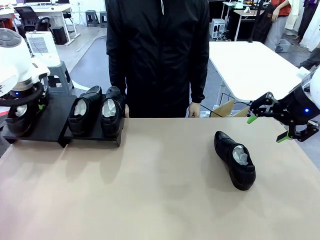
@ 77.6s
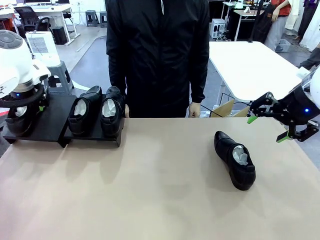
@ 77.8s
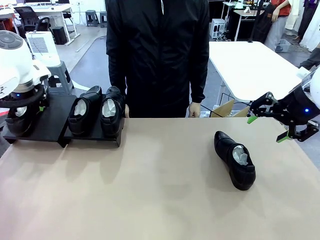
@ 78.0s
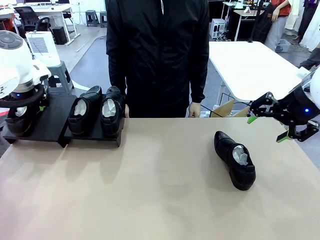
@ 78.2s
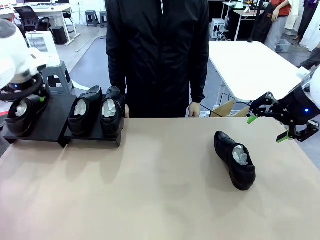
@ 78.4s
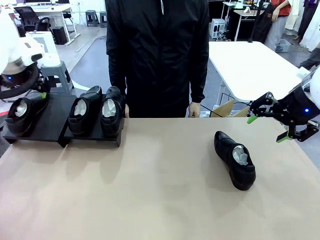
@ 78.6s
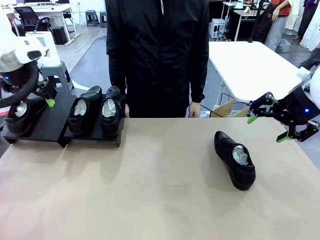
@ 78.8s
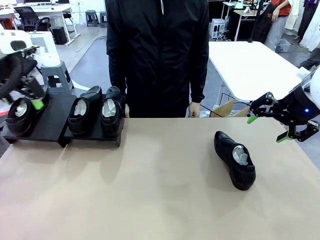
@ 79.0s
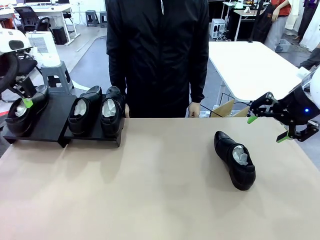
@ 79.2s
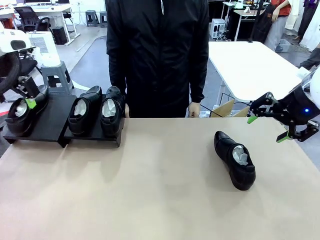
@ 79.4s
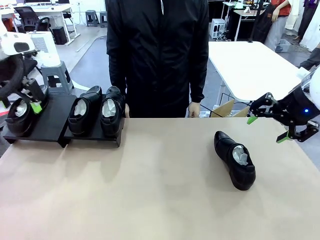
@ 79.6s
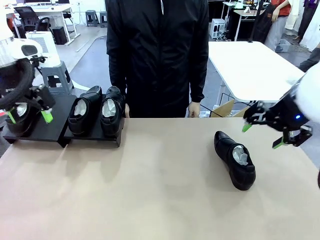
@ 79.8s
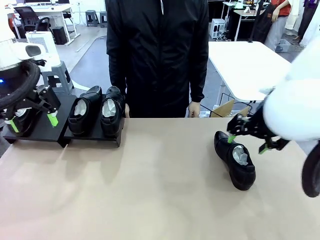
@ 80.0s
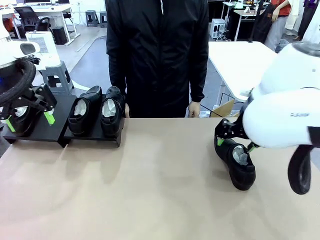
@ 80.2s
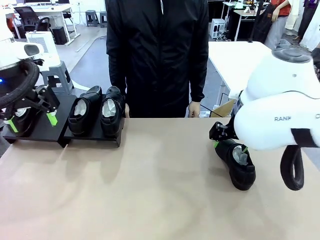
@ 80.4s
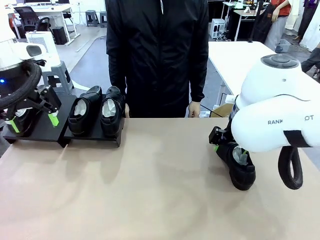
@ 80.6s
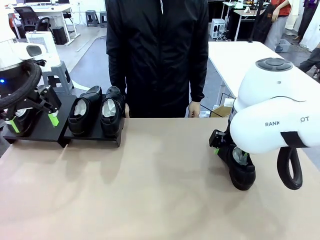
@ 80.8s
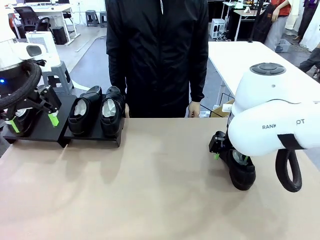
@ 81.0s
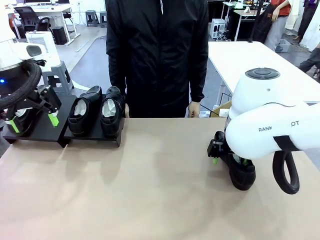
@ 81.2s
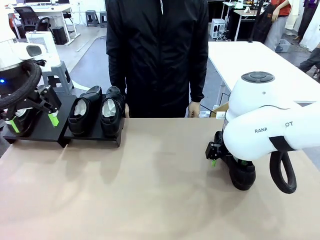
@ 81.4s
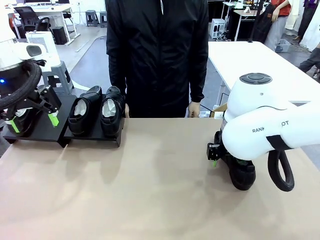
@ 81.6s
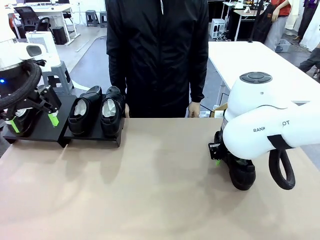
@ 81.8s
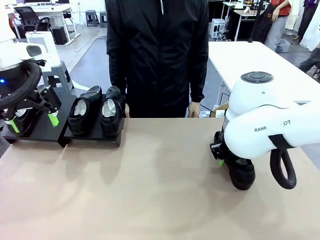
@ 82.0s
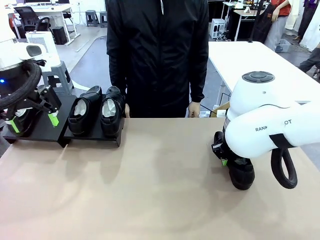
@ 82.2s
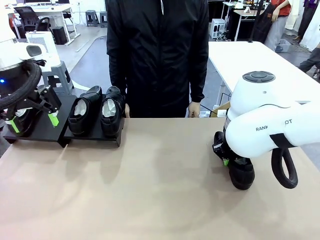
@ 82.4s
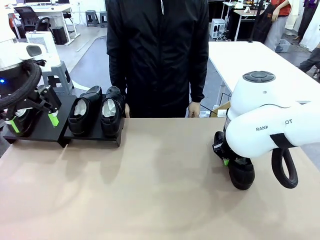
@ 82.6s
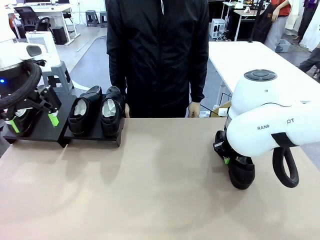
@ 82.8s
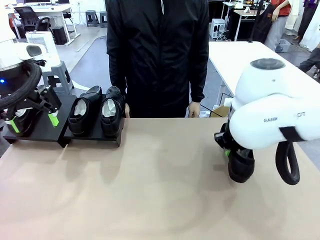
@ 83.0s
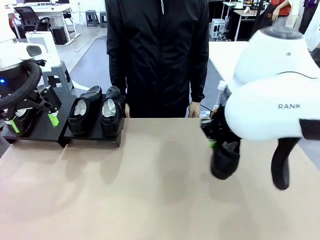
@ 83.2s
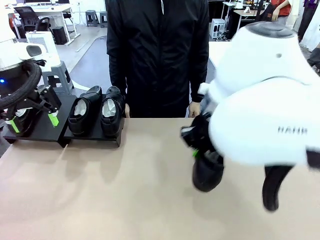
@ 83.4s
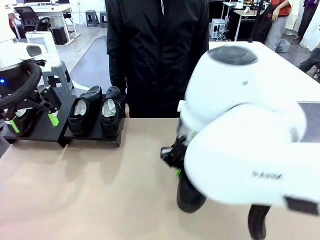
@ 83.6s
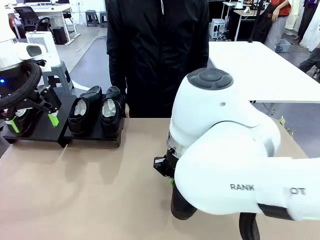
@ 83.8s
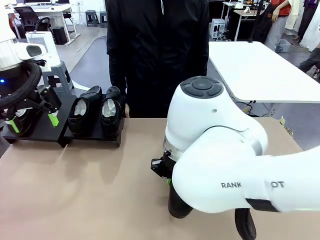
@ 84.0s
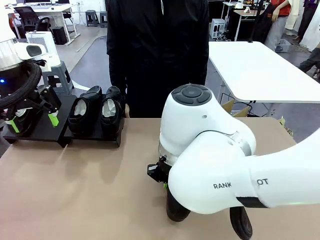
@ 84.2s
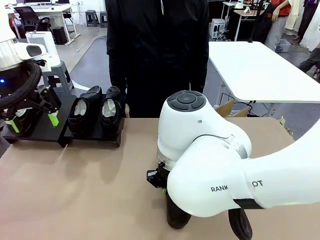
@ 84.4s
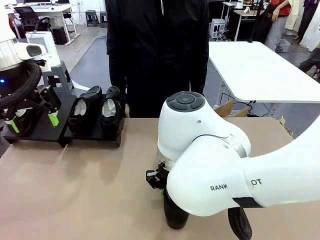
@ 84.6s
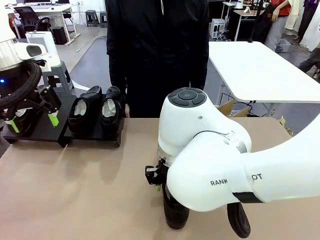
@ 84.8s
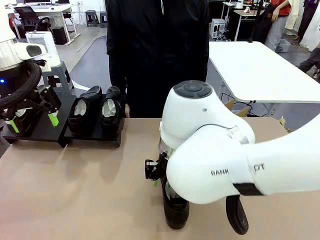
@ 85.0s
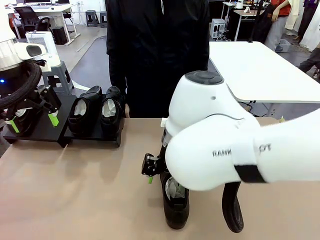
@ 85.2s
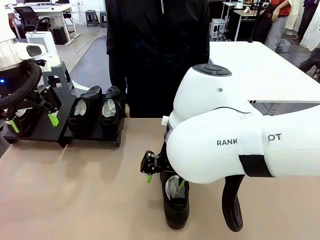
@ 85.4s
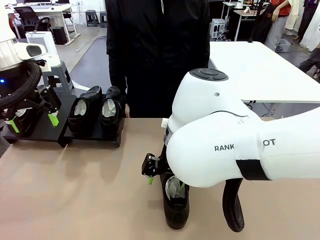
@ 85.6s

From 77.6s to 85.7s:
Task: Organize the shoes by placing them on the stand.
Robot: Pick up one Shoe and place it in the middle of the table.

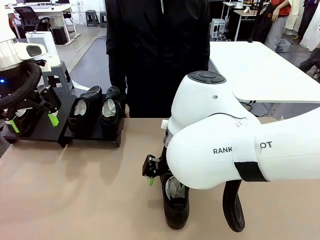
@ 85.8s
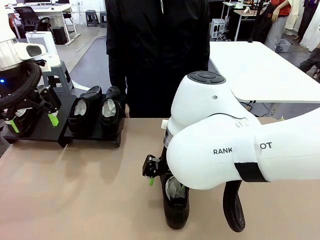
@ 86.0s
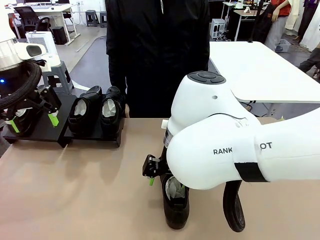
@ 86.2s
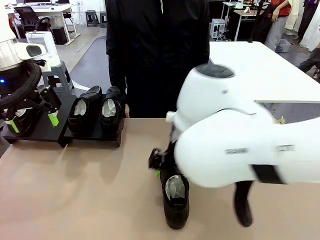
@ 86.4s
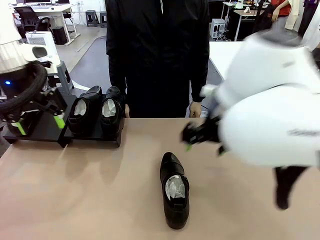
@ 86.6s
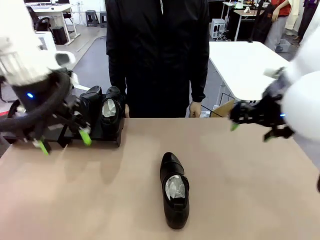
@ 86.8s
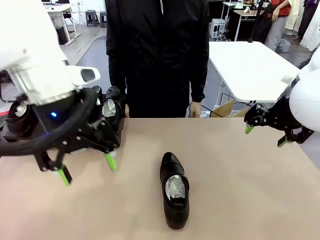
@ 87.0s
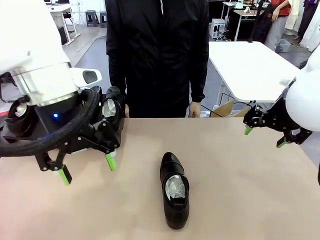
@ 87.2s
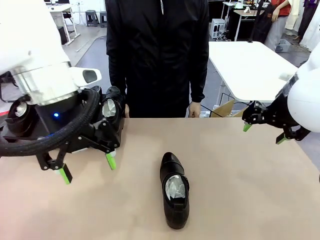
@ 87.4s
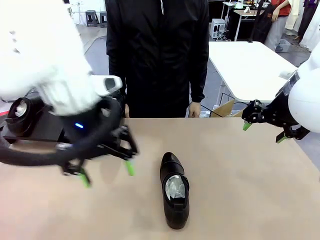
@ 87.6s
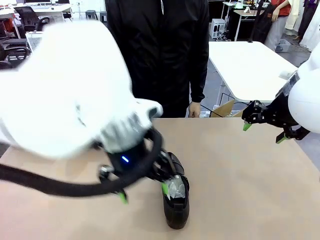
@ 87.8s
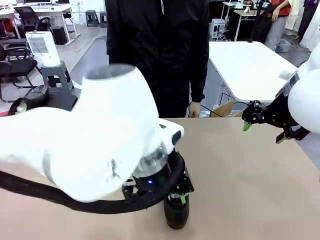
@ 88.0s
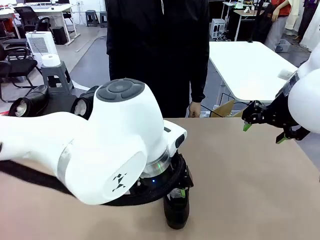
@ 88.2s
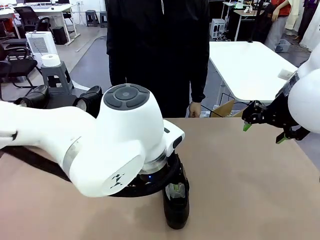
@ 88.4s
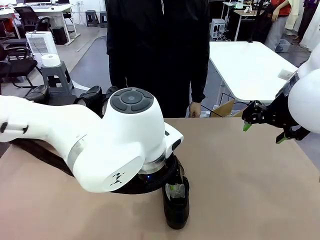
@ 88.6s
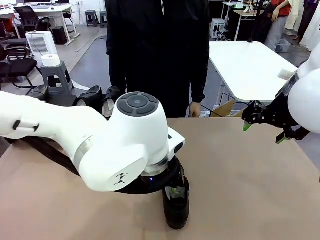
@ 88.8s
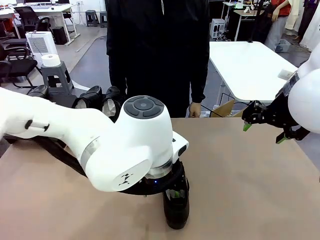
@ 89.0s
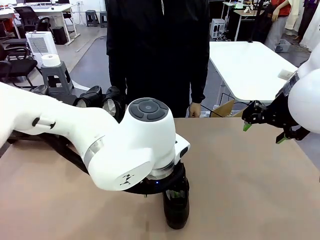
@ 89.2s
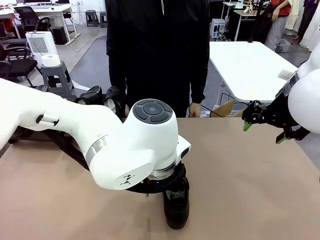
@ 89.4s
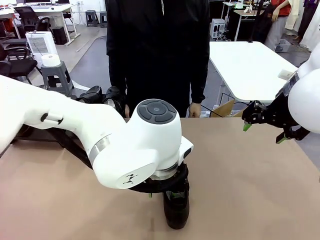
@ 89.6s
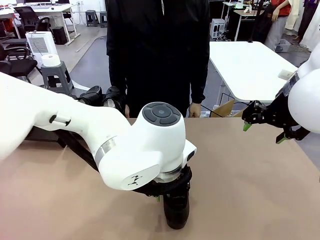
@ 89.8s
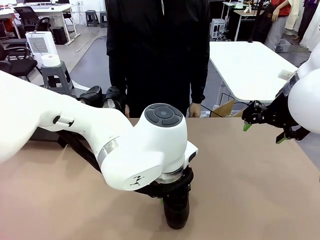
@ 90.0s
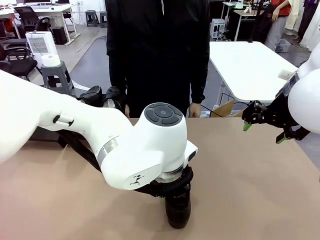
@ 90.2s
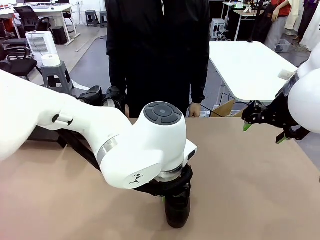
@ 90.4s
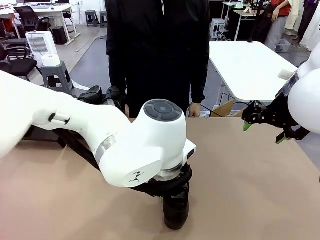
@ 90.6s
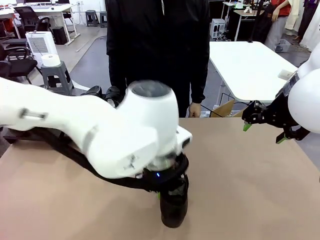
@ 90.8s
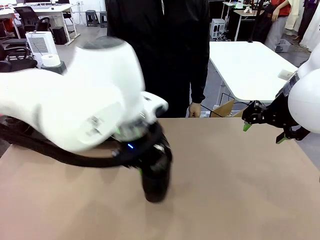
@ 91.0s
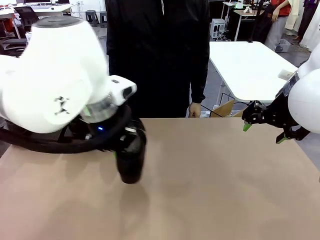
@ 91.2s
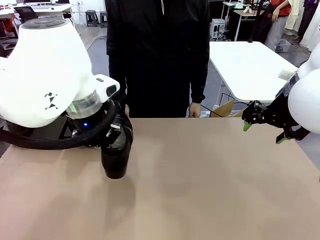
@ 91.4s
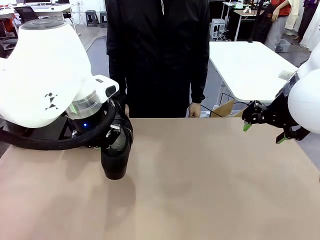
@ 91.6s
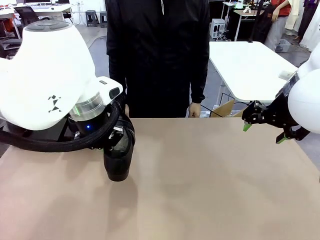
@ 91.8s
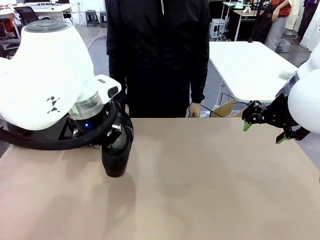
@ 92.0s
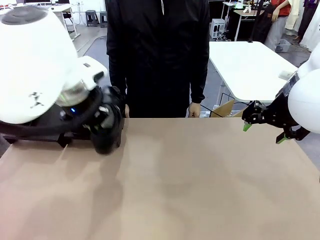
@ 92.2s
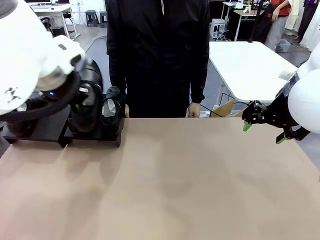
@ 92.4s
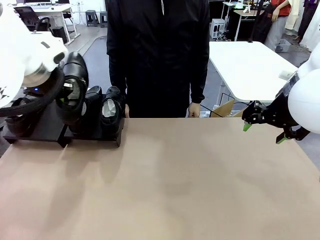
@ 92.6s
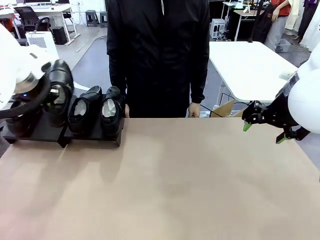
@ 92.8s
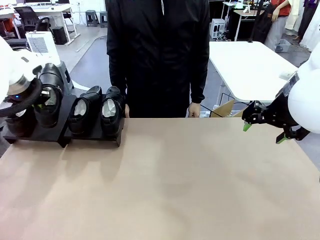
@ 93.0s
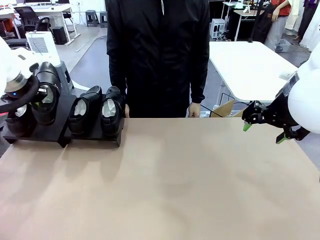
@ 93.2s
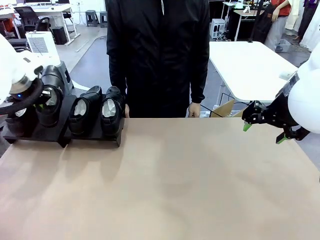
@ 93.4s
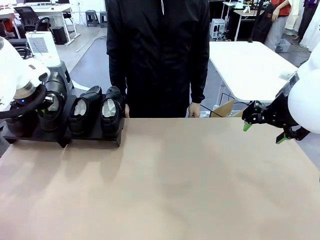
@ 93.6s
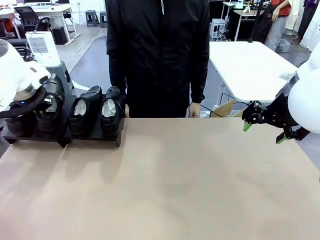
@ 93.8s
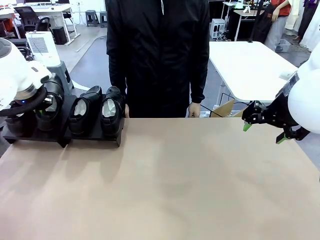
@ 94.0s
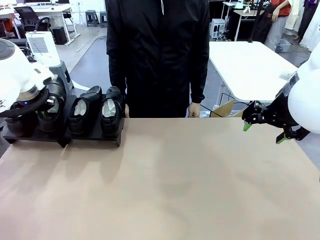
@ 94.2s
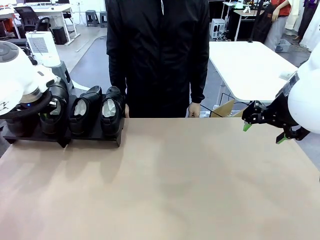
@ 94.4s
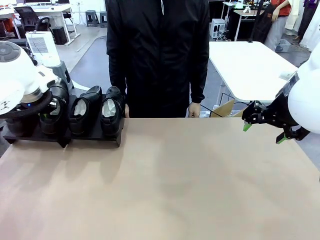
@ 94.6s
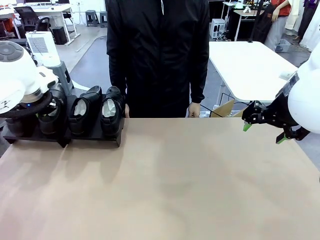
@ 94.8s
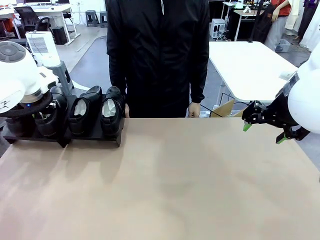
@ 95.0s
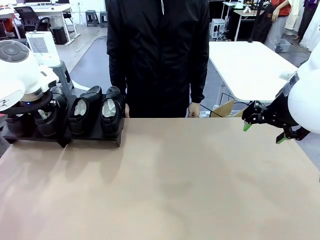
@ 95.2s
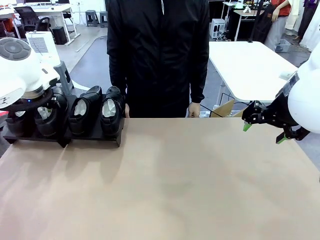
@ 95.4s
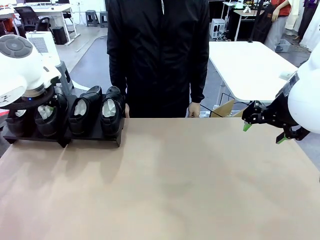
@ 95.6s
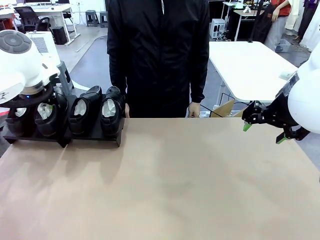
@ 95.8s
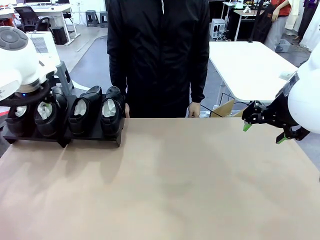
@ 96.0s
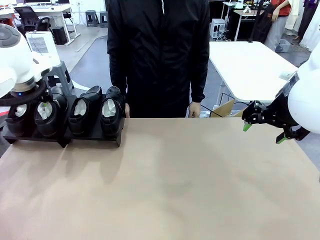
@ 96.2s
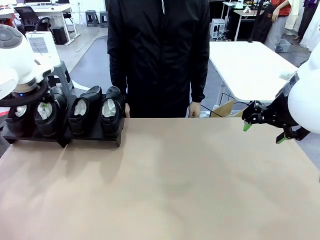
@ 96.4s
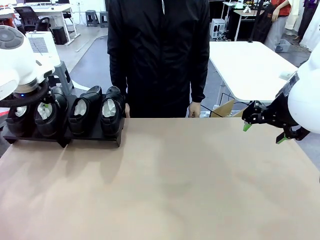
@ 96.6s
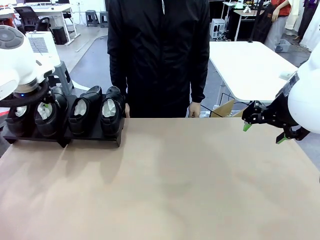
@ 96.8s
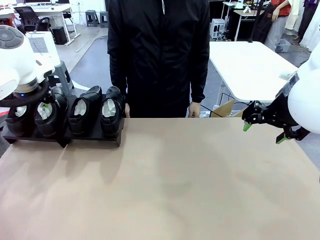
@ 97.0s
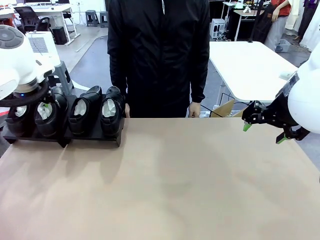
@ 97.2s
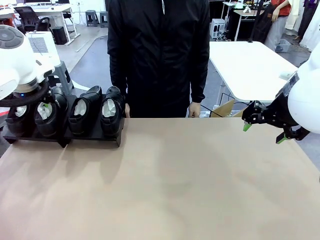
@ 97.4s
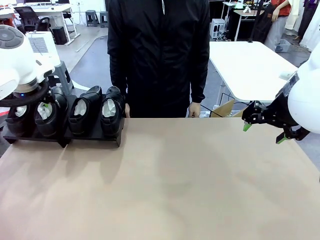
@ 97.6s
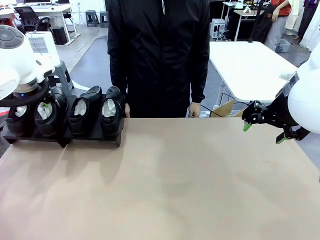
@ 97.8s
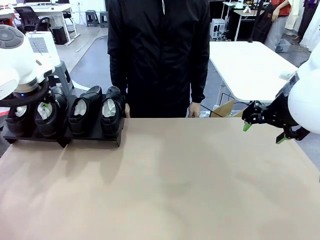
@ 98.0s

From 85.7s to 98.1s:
Robot: Place the Shoe from the middle of the table onto the Shoes Stand.
